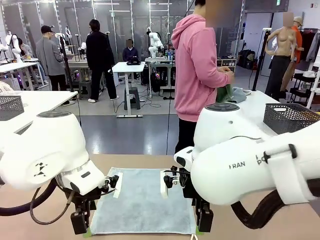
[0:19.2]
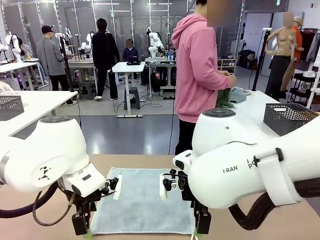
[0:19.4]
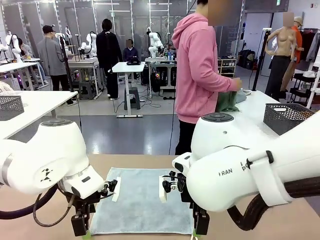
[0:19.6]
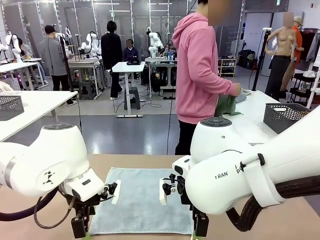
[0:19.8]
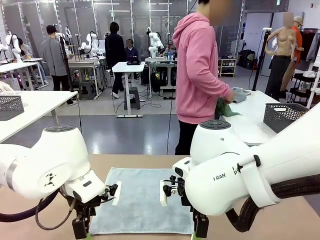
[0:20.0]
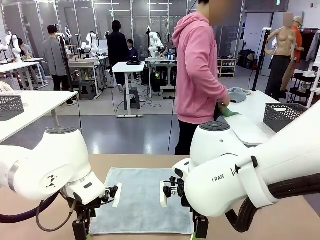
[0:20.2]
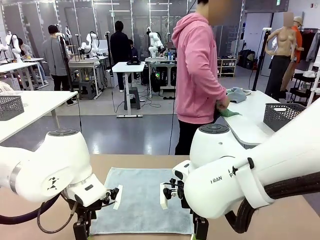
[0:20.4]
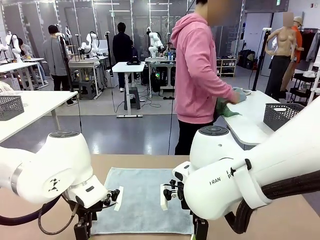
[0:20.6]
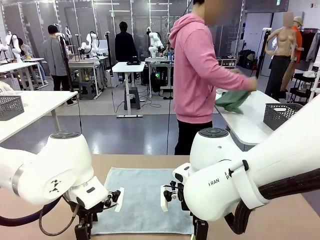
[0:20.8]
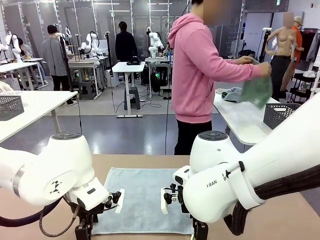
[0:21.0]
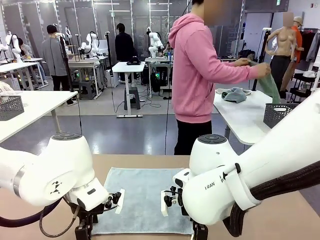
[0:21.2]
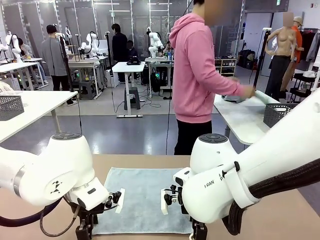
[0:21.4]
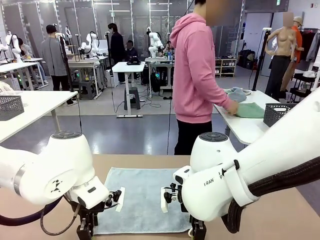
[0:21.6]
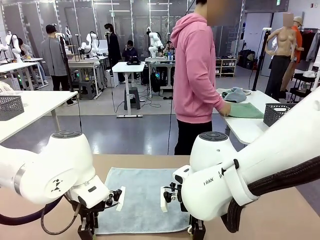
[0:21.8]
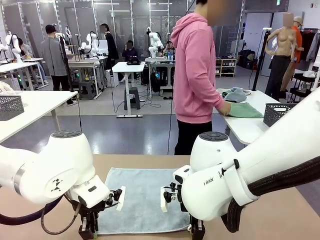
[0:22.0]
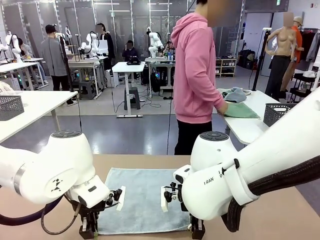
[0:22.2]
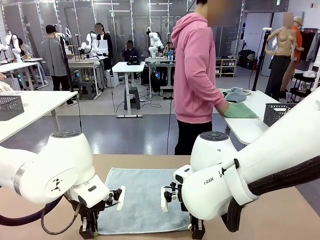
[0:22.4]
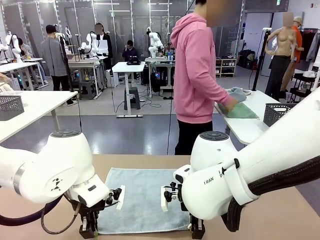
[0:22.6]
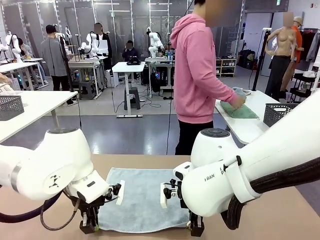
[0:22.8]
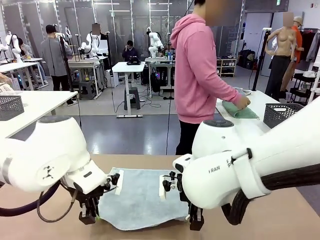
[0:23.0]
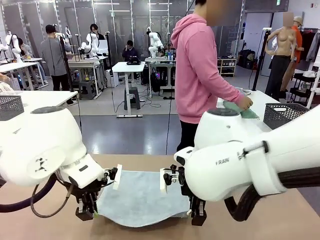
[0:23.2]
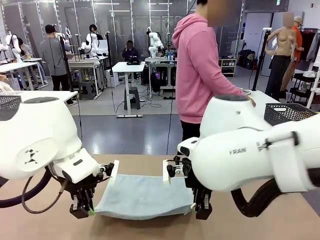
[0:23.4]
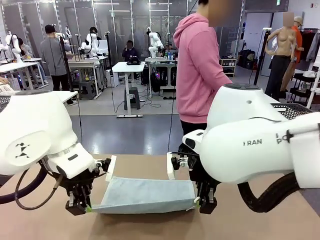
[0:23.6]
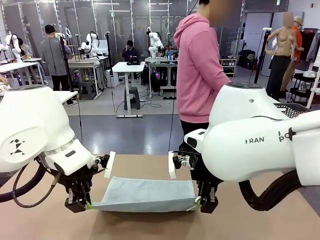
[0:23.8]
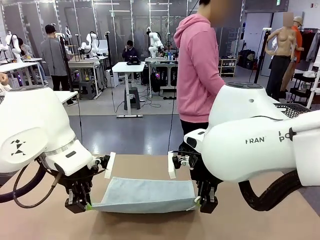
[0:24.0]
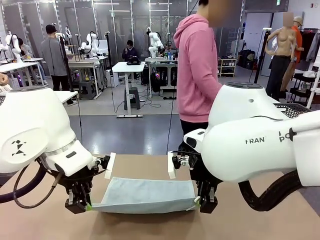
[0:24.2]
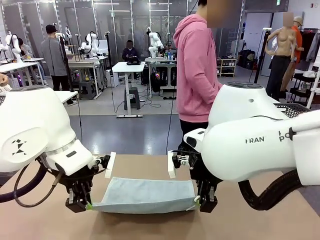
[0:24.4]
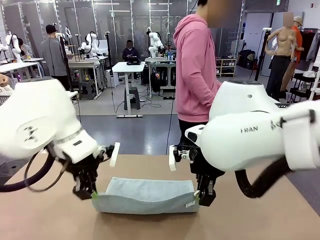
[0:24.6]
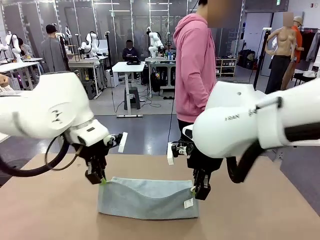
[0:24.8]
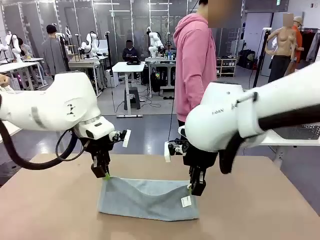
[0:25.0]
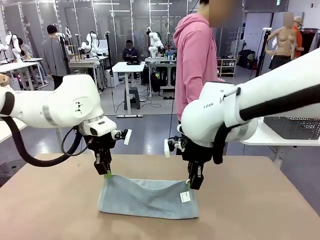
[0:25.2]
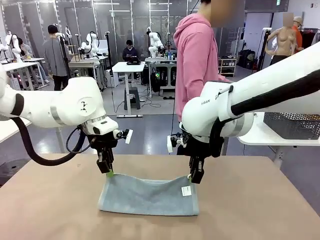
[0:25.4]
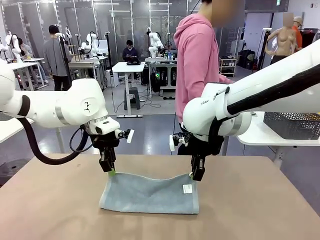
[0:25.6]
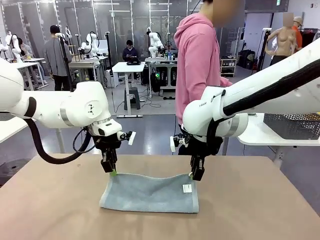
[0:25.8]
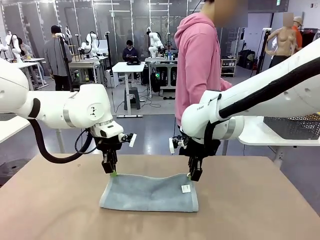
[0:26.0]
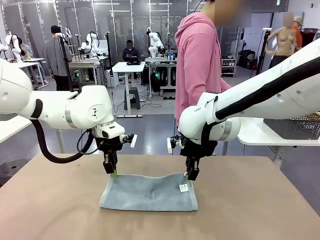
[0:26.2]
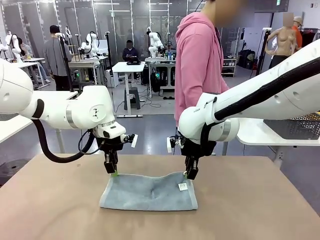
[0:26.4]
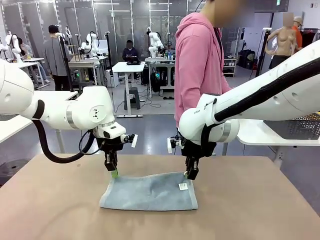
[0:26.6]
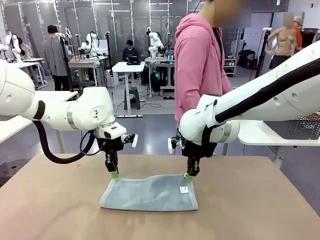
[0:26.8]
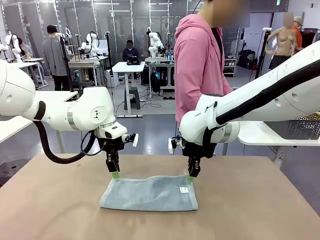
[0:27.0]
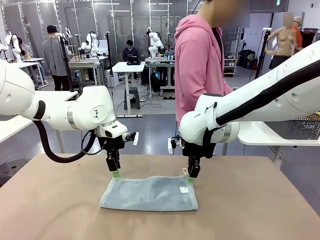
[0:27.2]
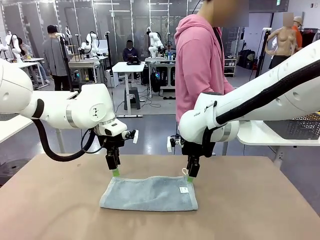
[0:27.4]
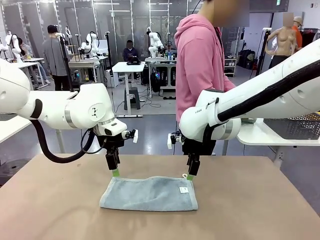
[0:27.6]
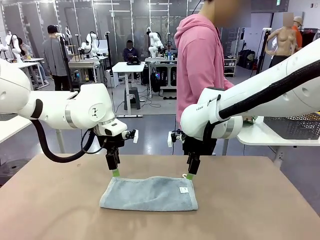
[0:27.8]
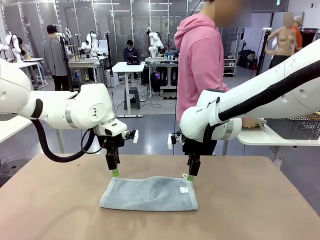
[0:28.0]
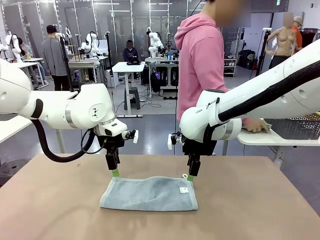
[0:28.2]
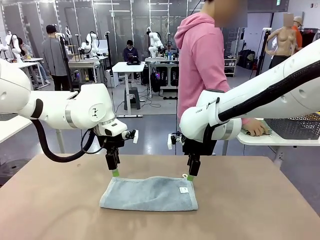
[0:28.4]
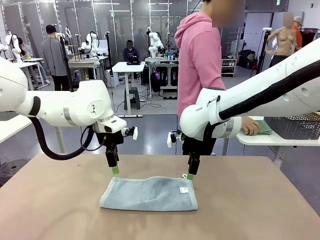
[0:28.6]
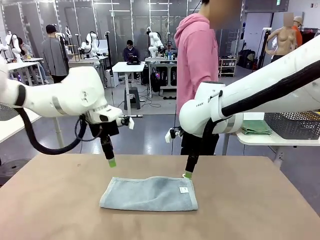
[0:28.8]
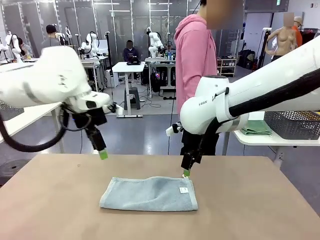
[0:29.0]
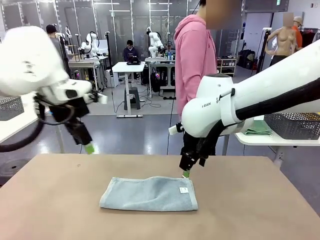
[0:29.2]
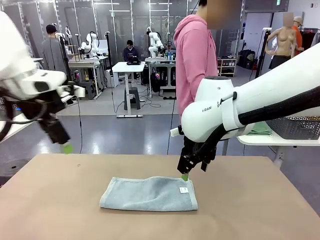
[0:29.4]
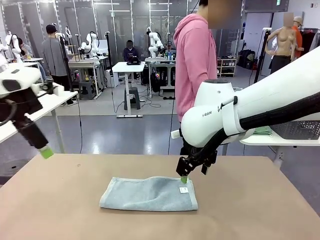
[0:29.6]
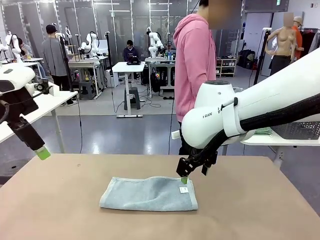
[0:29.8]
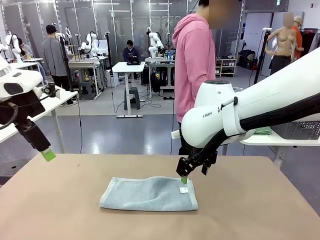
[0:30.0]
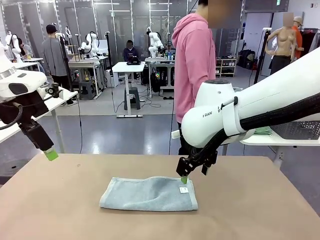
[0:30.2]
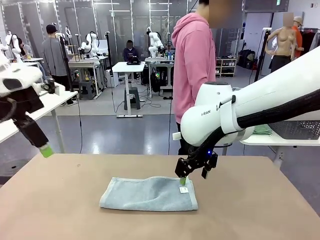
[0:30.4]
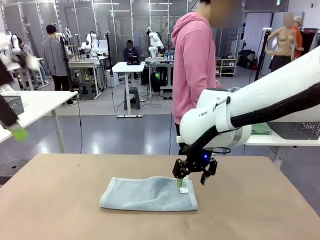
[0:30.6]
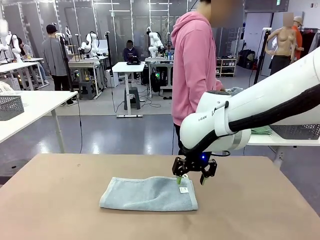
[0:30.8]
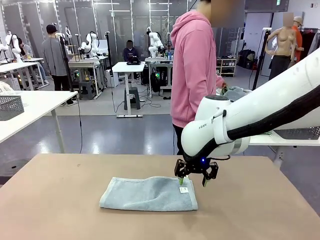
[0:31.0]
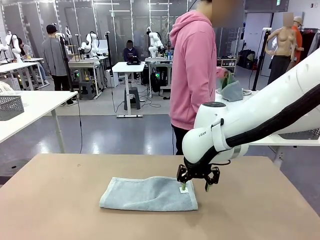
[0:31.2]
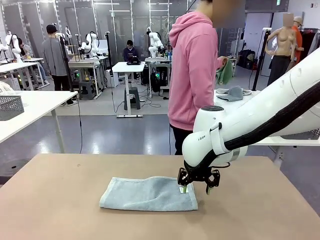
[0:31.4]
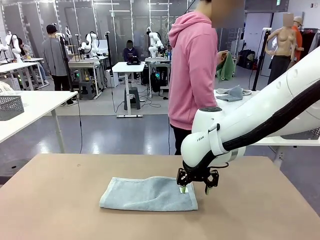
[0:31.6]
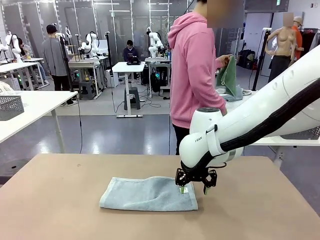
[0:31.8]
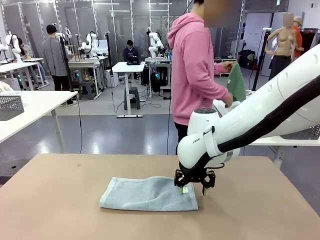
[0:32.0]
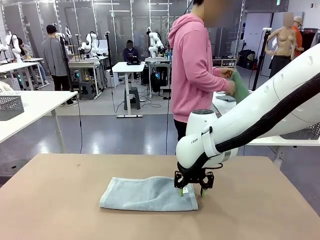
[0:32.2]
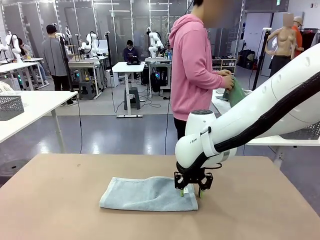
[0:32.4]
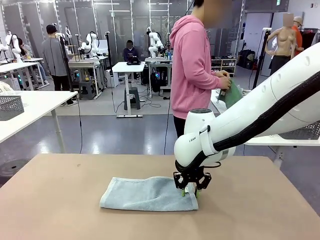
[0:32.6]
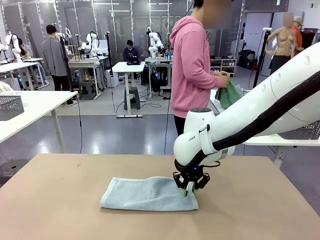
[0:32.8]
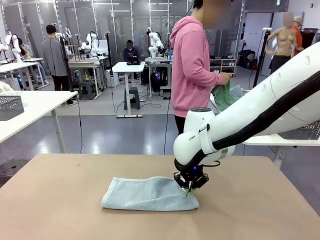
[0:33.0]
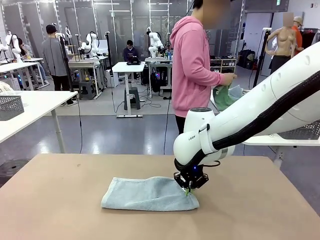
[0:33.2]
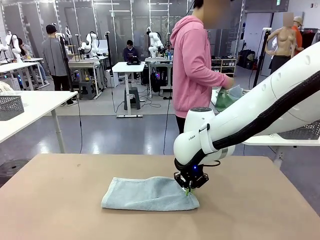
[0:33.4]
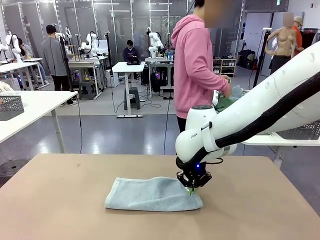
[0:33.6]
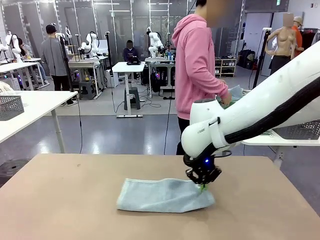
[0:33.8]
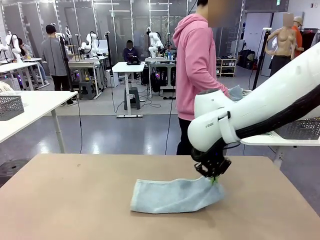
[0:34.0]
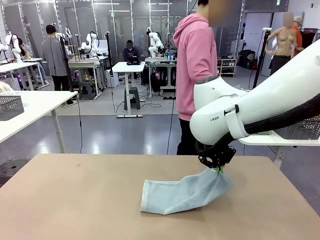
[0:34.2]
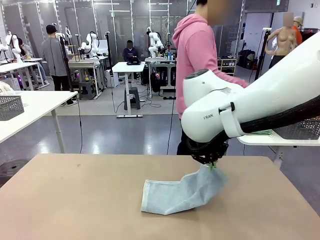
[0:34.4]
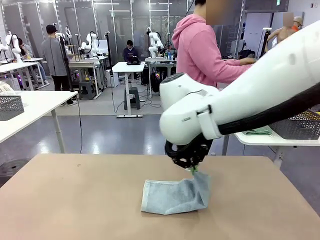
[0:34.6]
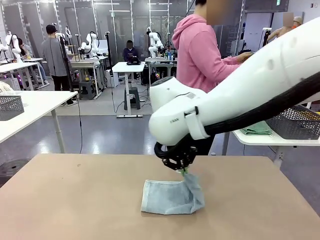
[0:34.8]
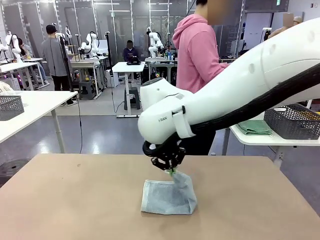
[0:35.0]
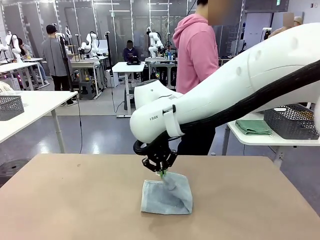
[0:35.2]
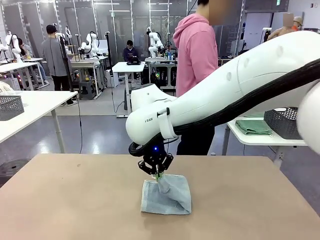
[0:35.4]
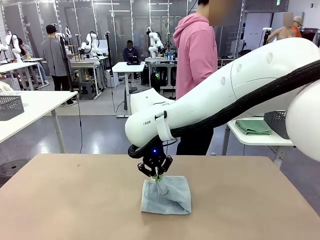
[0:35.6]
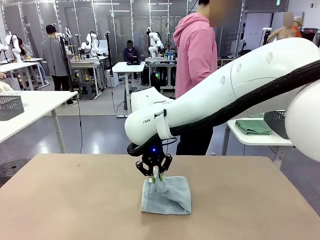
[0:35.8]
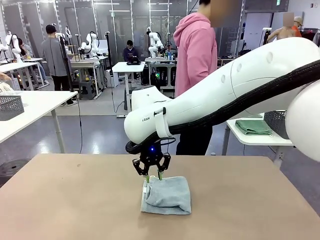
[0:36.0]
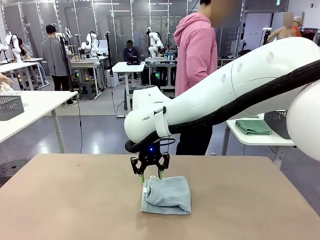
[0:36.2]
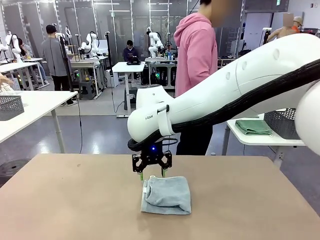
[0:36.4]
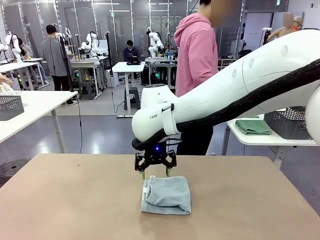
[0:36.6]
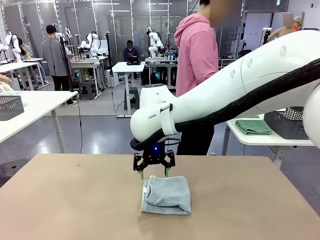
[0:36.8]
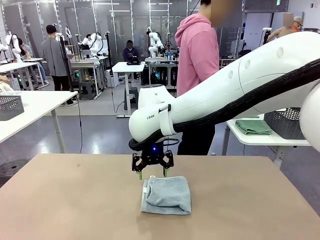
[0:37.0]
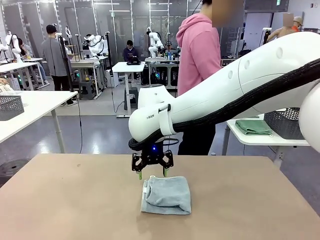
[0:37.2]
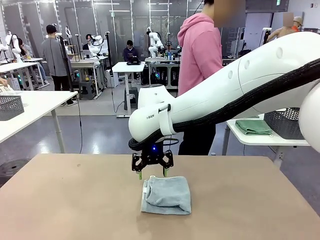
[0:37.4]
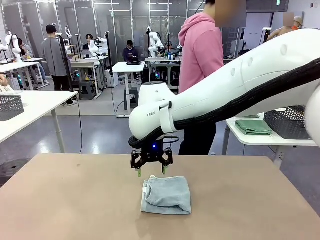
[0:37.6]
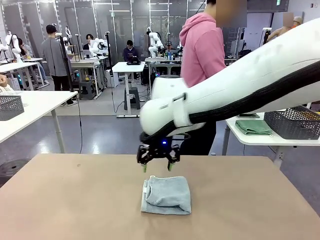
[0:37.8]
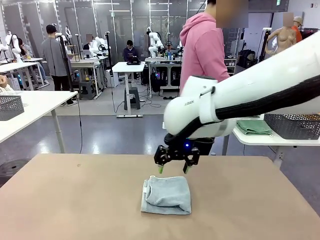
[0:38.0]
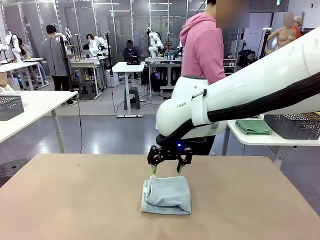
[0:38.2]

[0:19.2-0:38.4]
Task: Fold the towels and place them in the basket.
Robot: When a person lays out a Towel with hook on the table, fold it in half twice.
Person: Pick up one towel from the left side of the human table, fold it in half twice, and place it on the right side of the table. Pick up one towel from the left side of the human table, fold it in half twice, and stack it on the right side of the table.
